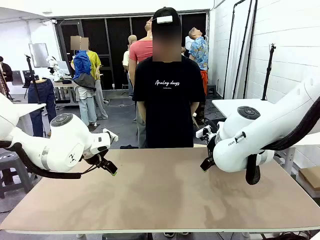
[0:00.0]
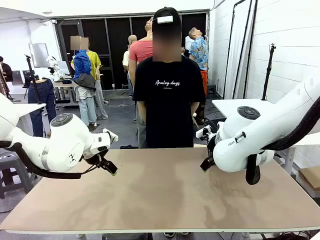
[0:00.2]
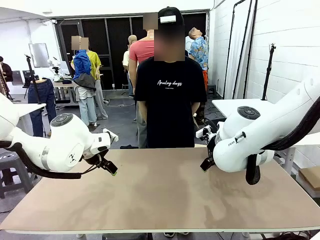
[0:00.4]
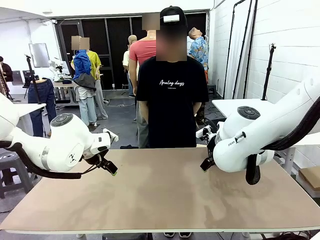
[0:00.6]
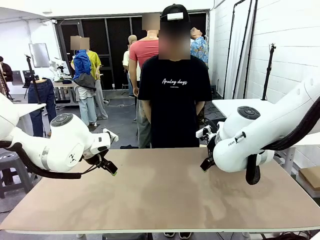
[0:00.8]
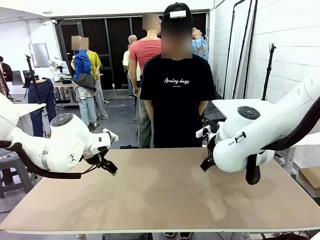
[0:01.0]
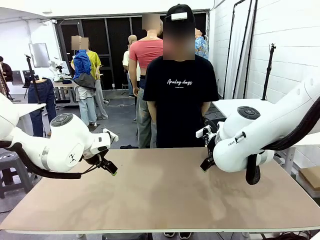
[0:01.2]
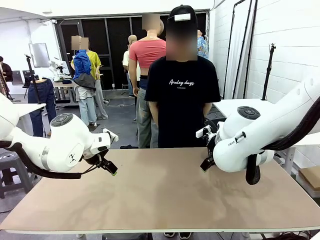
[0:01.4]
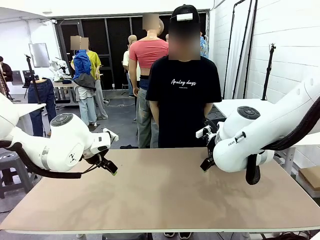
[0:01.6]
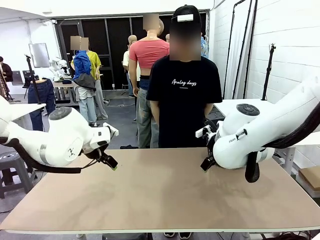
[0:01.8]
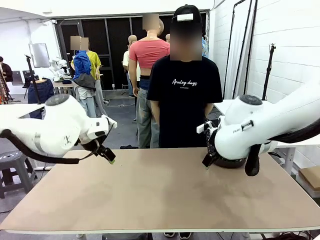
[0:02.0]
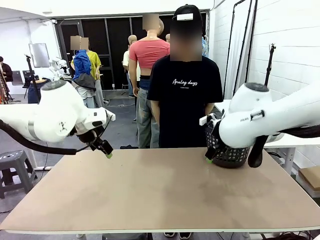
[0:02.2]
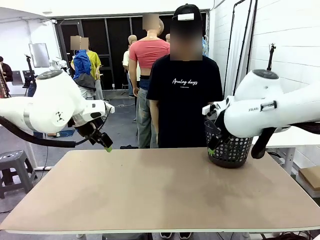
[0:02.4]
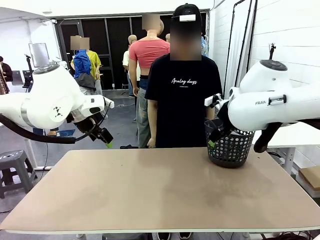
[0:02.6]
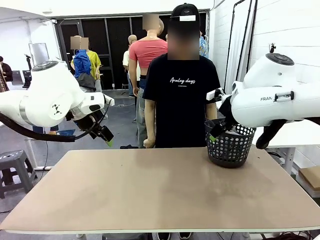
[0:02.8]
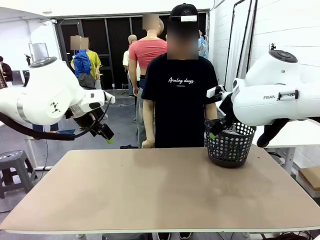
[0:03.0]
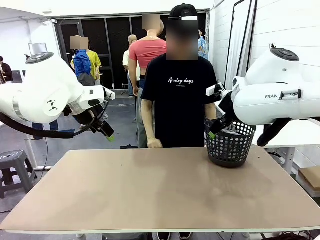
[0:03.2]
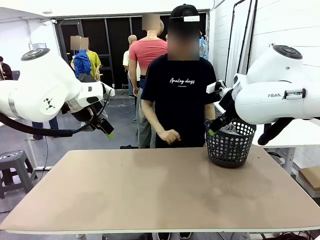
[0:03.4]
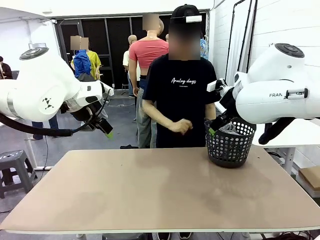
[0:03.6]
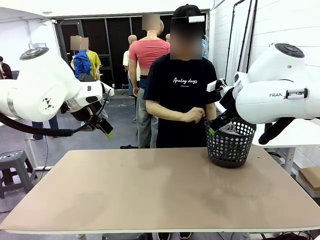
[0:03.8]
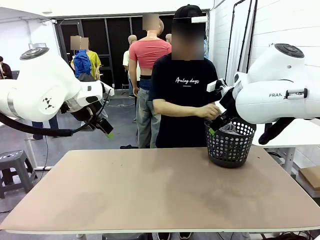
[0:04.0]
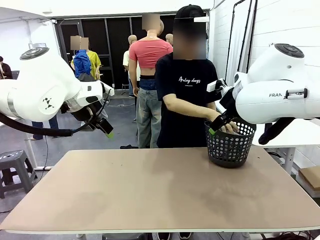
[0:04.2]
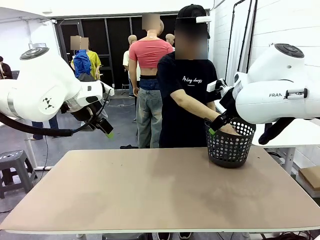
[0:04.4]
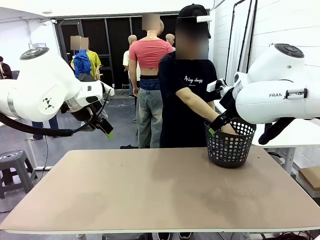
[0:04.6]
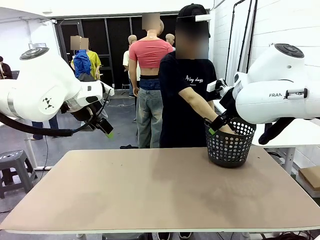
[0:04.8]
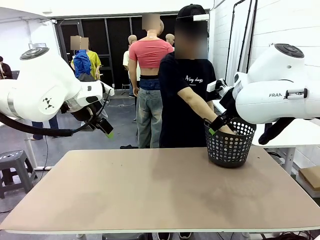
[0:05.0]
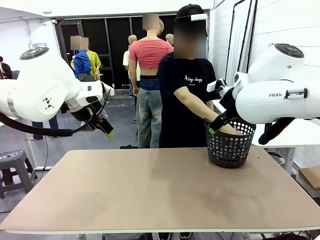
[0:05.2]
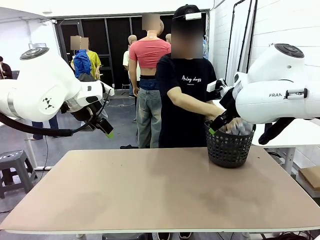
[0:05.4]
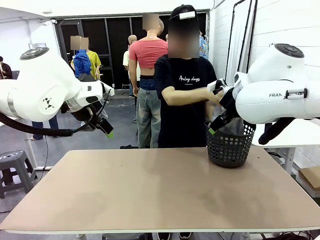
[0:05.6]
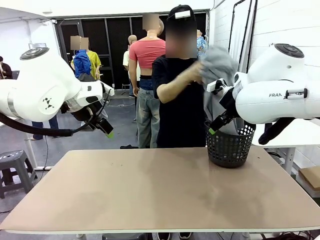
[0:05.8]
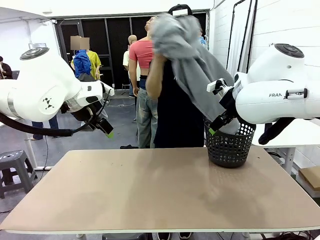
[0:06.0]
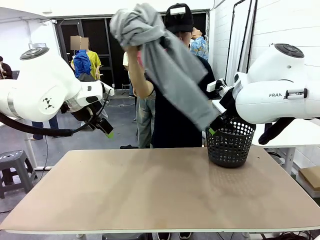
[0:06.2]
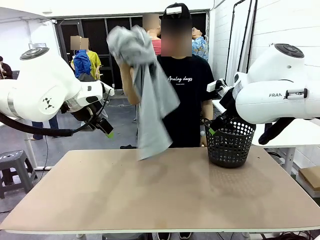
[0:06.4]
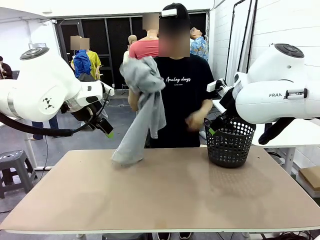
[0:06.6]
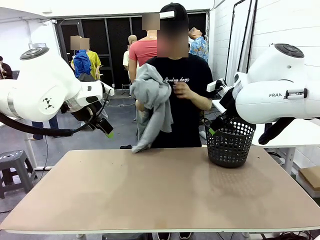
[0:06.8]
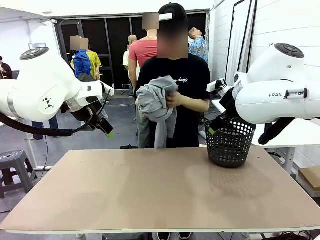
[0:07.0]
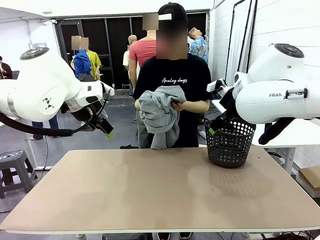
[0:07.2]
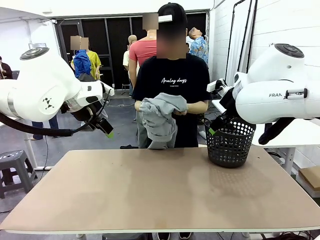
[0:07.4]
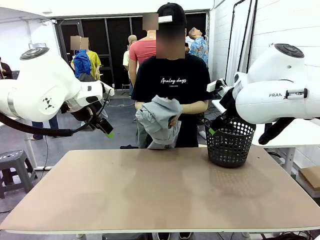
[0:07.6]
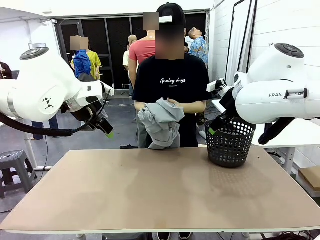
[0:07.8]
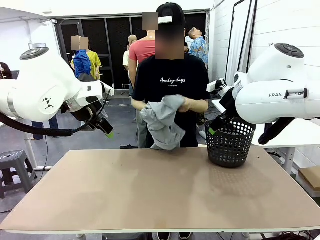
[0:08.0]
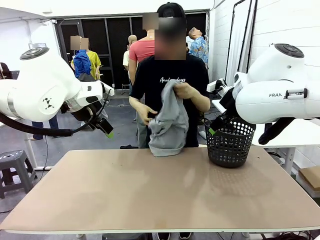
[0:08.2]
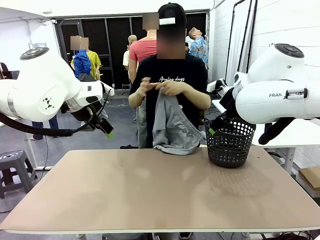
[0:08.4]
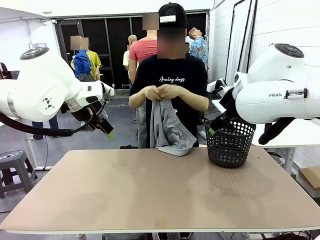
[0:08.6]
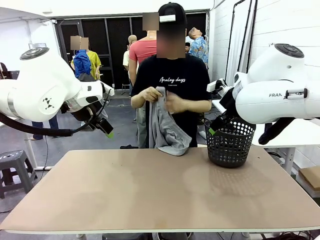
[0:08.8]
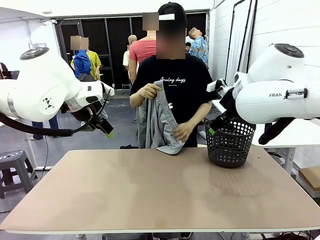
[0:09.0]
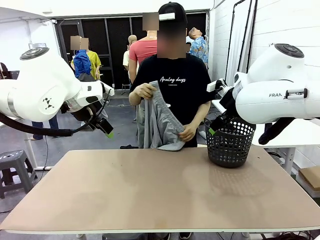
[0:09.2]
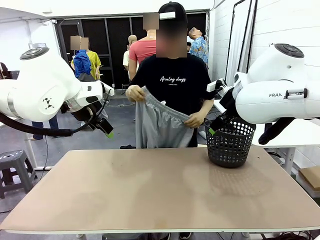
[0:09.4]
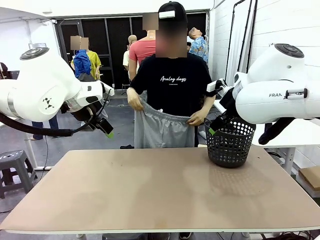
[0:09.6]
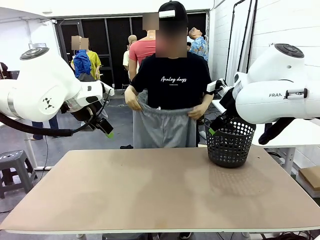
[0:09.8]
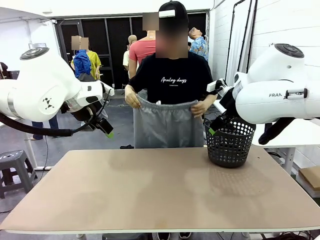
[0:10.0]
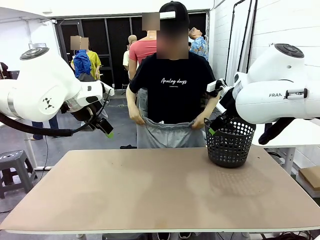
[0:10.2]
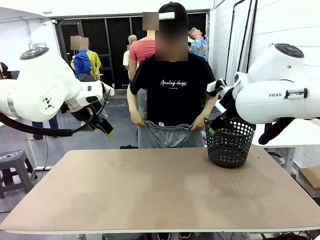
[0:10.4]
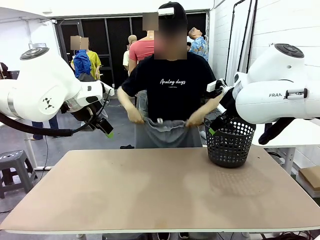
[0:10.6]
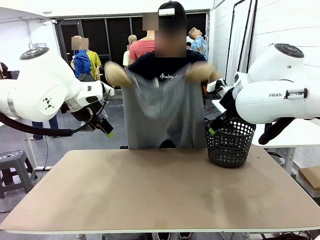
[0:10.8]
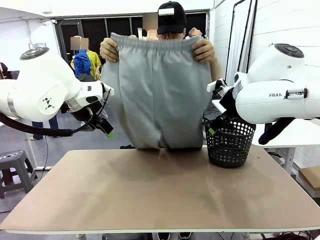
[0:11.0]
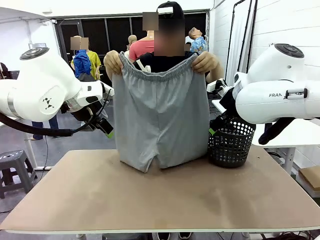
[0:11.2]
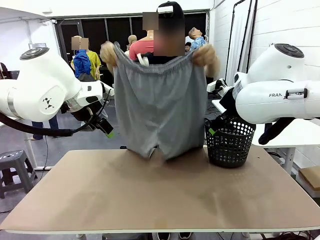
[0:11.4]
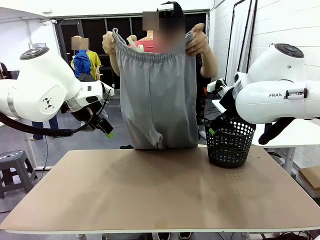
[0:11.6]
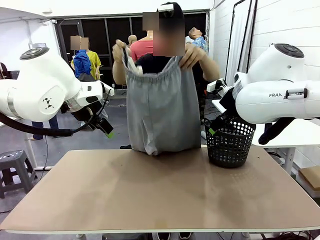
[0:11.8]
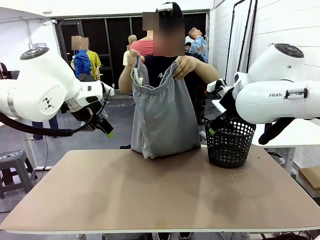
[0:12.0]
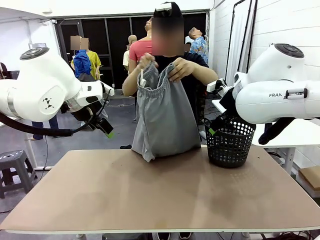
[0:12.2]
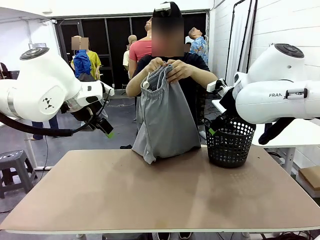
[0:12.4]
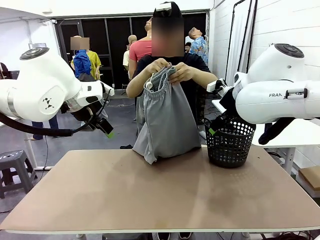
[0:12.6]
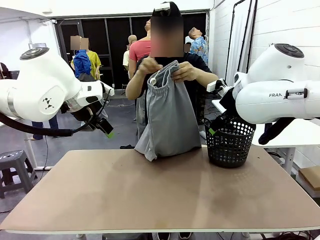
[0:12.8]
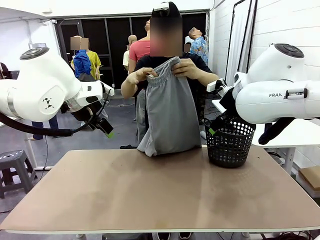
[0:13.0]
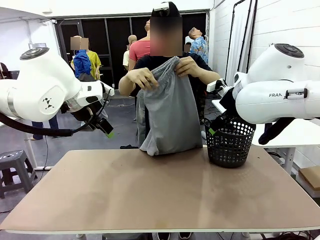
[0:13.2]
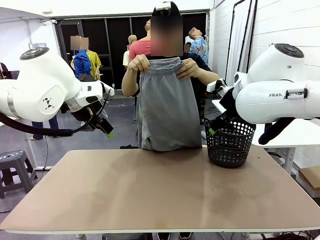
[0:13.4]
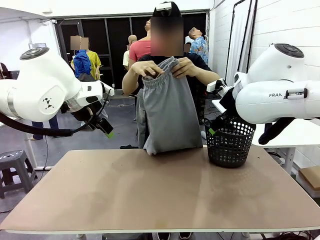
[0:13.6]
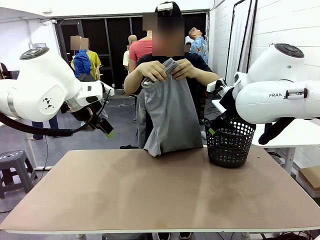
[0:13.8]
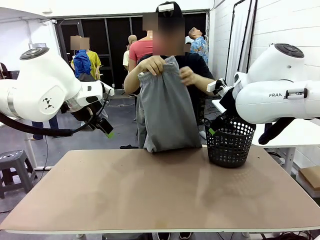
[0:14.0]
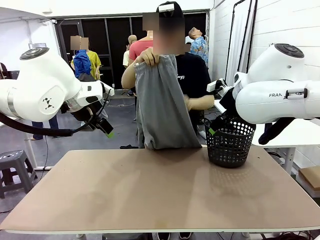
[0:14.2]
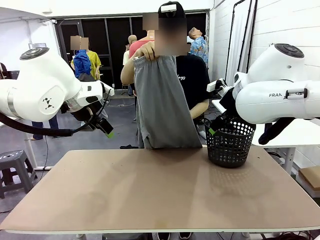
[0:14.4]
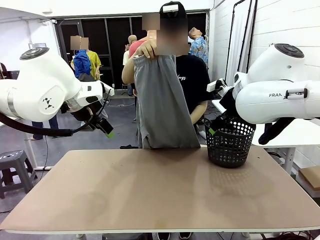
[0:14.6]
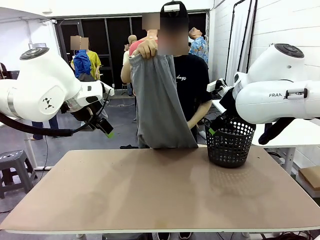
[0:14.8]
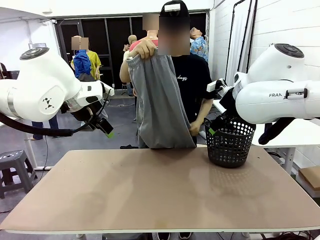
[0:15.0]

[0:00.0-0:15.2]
Task: Fold the training pants.
Robot: Grab both ends of the Training pants handed by a person.
Person: Take the long pants out of the laundry basket, unfold them, fold the waist in half, and extend them so the robot can pick up both corners.
